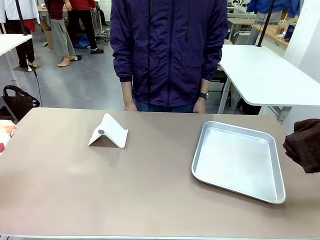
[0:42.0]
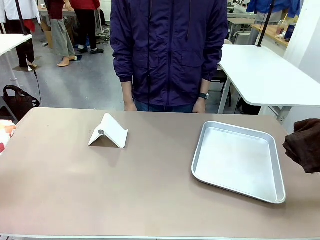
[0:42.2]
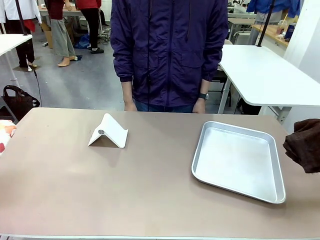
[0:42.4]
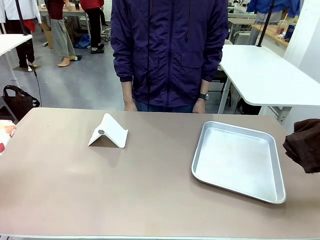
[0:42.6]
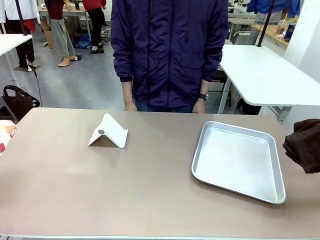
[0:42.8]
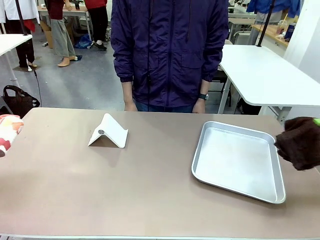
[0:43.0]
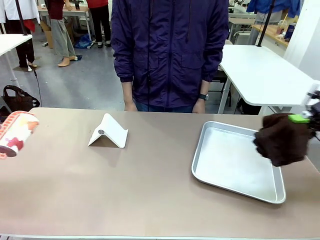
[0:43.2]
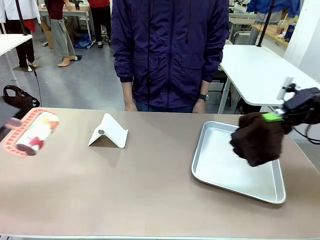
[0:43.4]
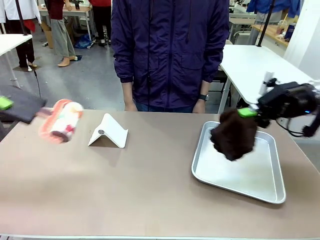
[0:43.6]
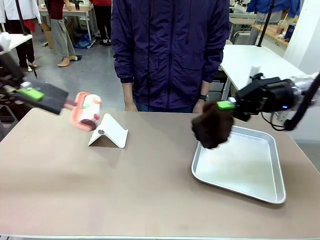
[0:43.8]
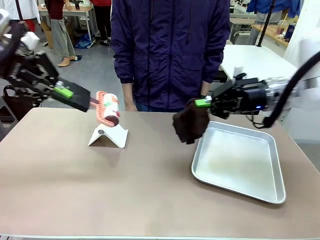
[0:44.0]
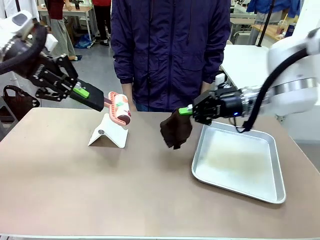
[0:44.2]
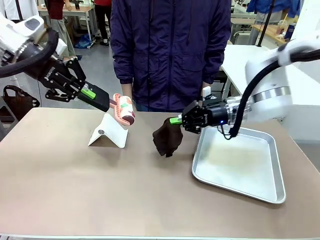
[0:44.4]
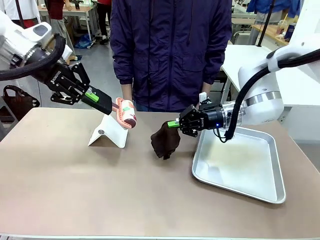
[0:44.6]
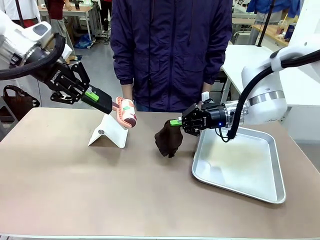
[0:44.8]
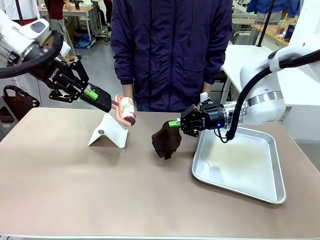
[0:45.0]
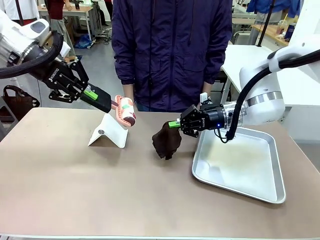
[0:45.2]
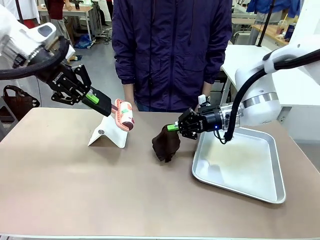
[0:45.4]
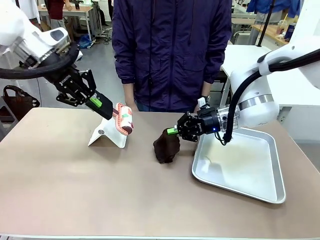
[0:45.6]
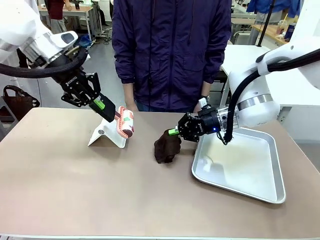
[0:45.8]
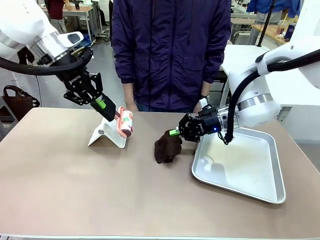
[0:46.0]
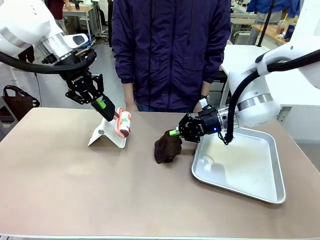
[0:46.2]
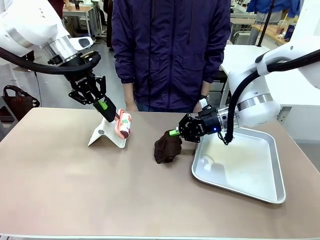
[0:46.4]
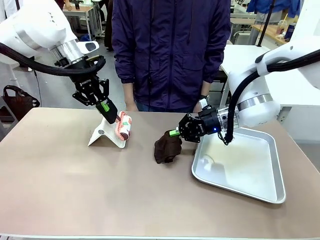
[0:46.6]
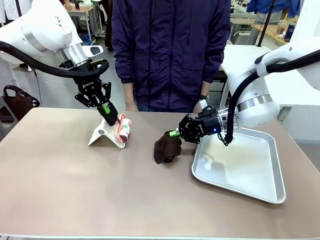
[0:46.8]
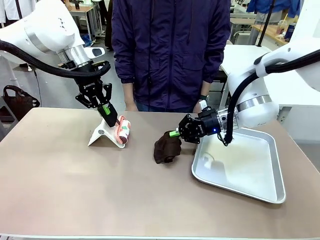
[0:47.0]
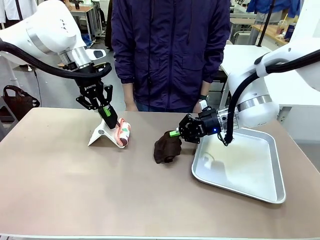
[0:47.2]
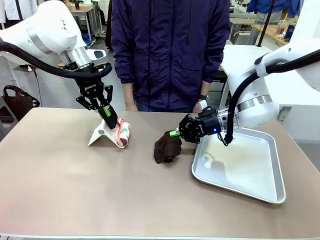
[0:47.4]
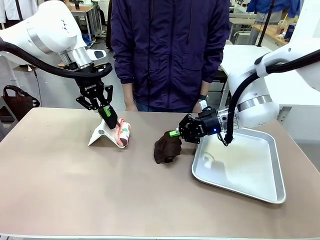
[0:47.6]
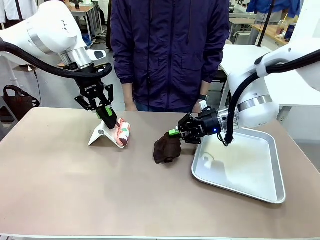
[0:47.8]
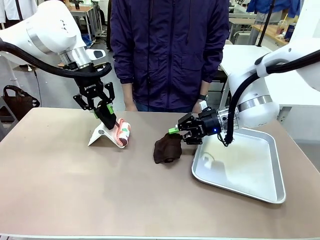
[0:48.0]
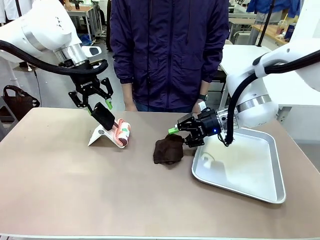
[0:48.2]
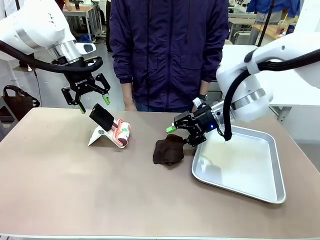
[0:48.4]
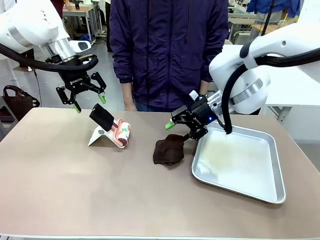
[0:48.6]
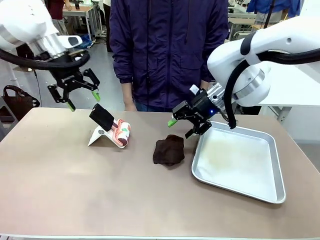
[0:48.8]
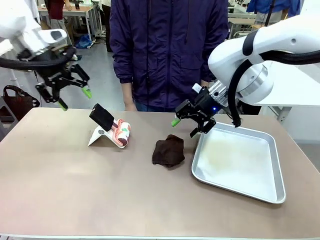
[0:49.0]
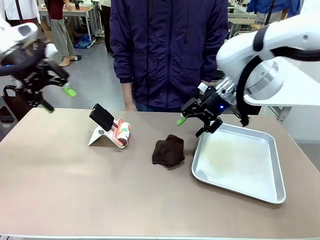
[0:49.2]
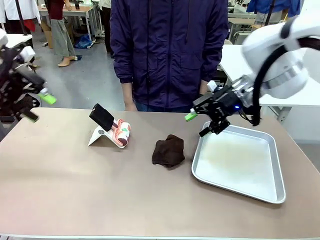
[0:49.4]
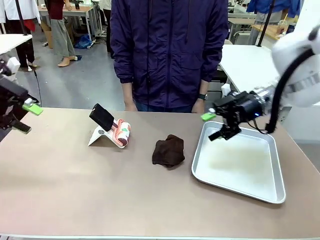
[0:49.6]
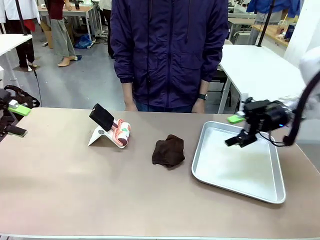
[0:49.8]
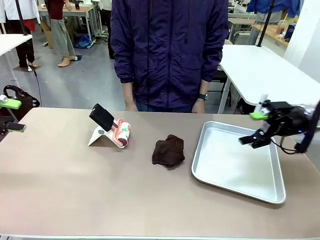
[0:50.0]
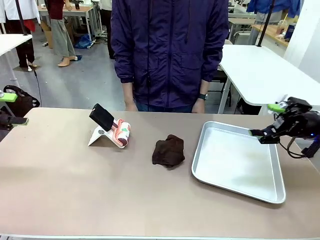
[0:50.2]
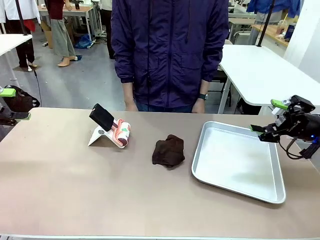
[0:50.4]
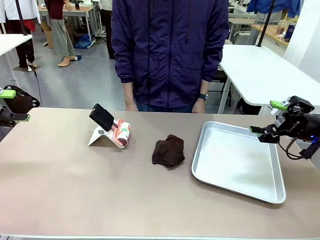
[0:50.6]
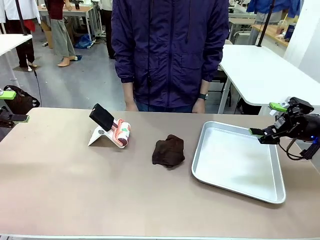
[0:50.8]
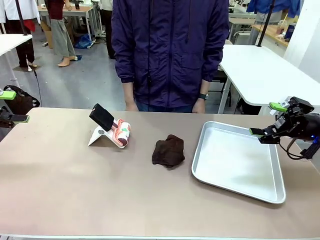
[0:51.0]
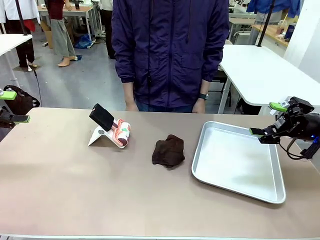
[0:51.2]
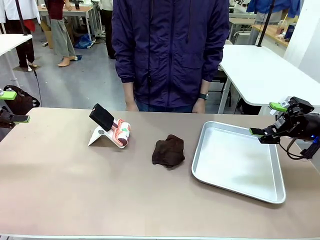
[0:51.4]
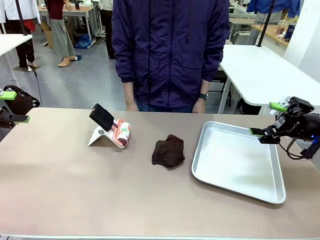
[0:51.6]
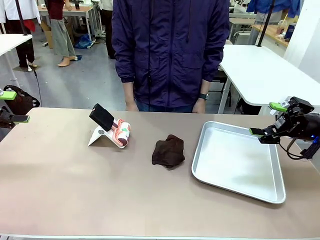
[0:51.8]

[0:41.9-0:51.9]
Task: Clean the surface of the table.
Robot: Return the Lint Roller and towel to their original positions.

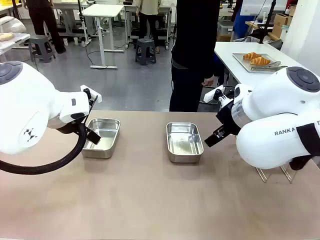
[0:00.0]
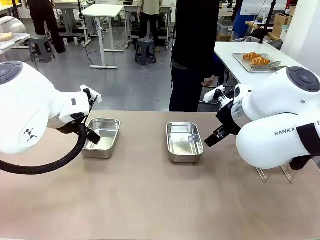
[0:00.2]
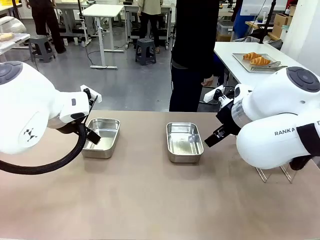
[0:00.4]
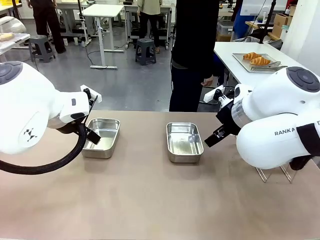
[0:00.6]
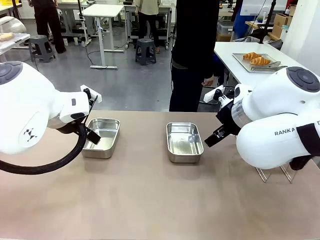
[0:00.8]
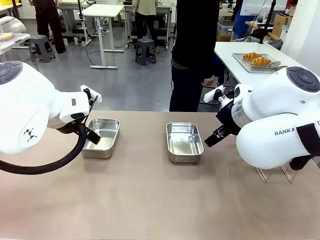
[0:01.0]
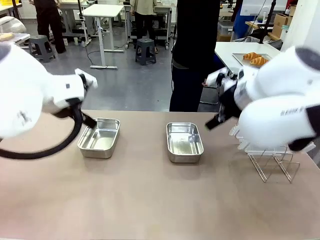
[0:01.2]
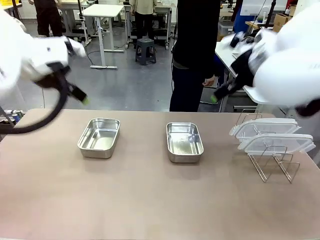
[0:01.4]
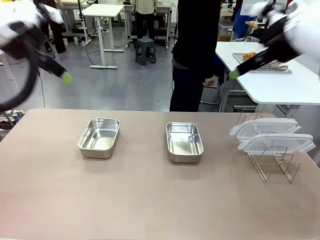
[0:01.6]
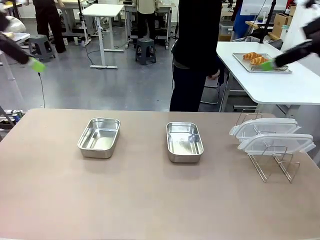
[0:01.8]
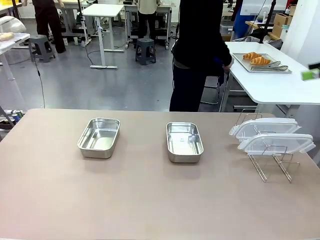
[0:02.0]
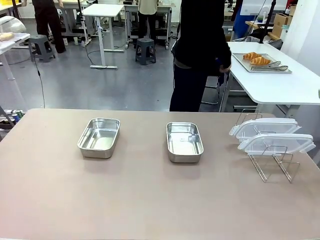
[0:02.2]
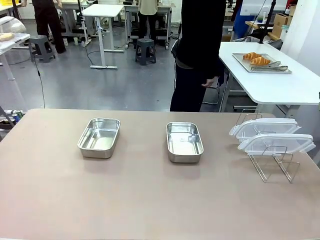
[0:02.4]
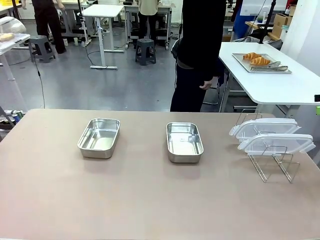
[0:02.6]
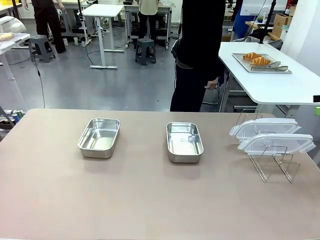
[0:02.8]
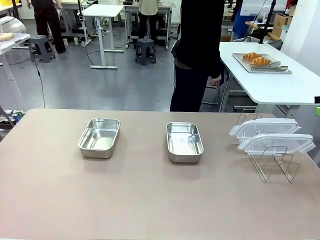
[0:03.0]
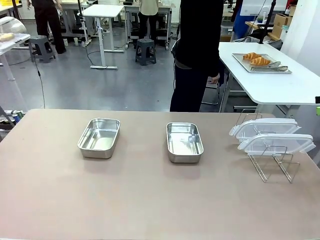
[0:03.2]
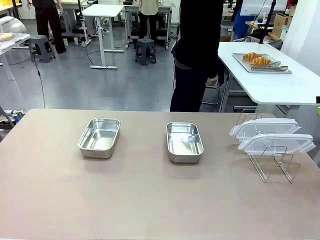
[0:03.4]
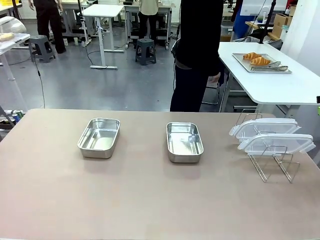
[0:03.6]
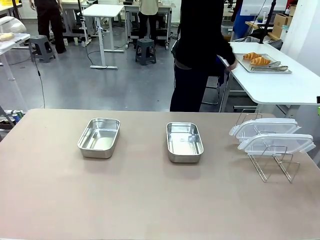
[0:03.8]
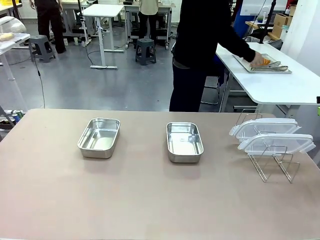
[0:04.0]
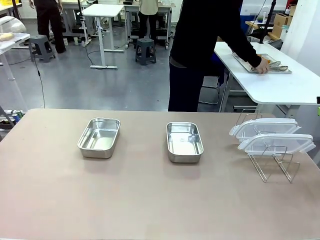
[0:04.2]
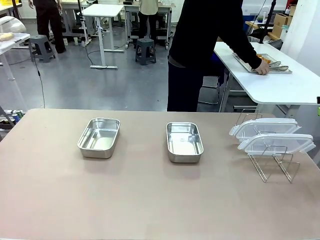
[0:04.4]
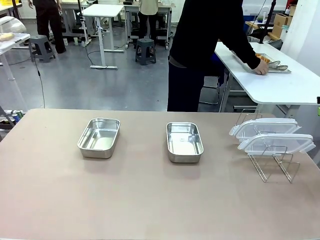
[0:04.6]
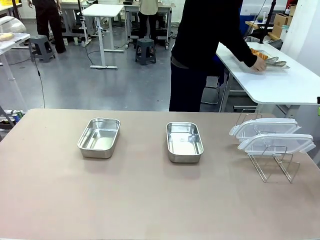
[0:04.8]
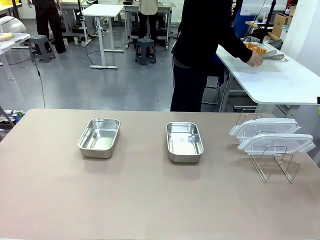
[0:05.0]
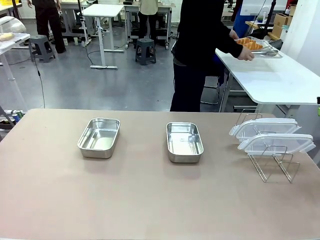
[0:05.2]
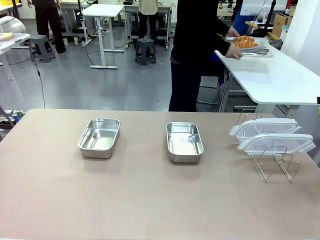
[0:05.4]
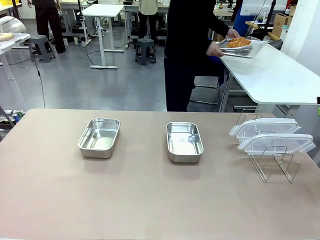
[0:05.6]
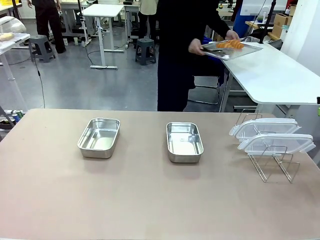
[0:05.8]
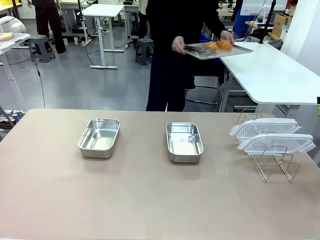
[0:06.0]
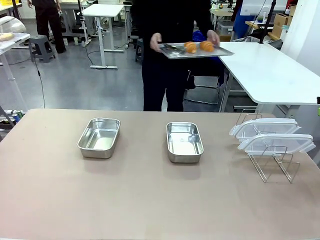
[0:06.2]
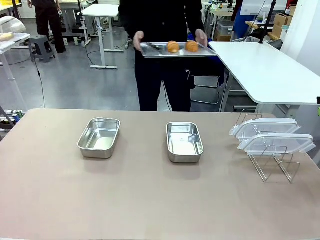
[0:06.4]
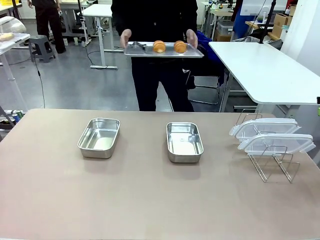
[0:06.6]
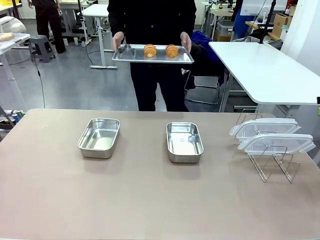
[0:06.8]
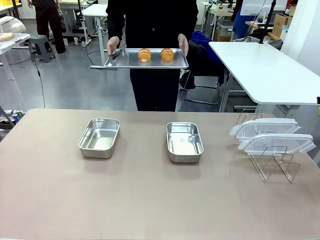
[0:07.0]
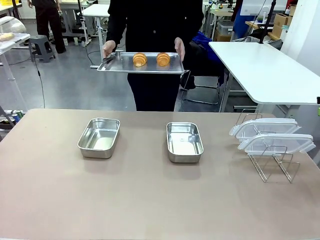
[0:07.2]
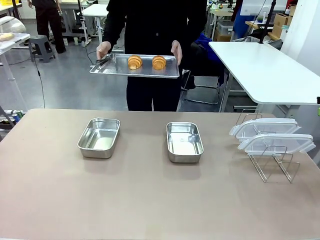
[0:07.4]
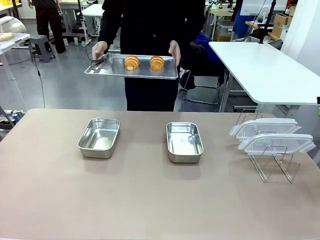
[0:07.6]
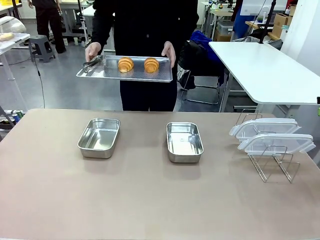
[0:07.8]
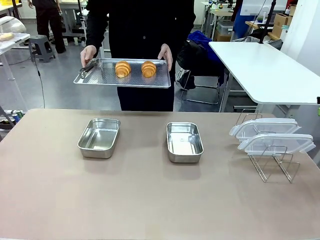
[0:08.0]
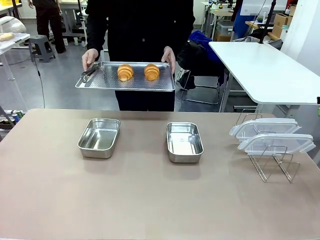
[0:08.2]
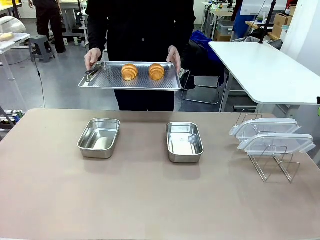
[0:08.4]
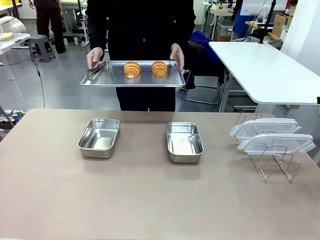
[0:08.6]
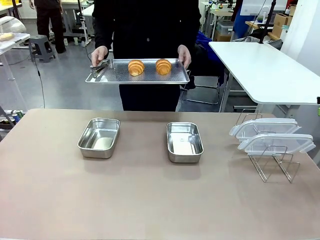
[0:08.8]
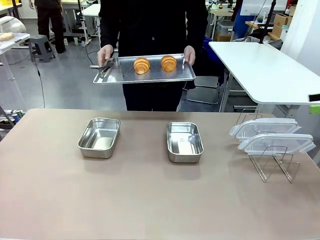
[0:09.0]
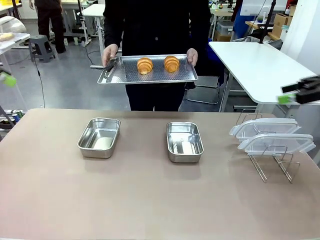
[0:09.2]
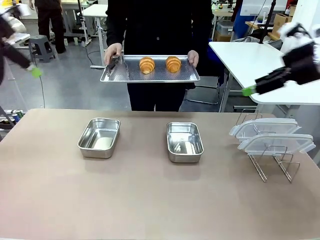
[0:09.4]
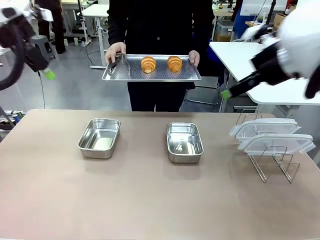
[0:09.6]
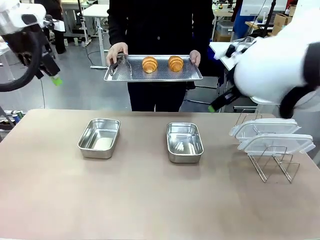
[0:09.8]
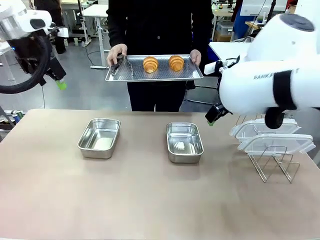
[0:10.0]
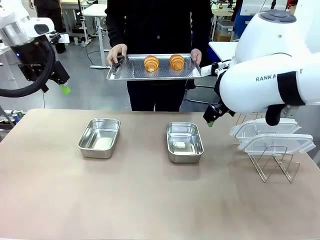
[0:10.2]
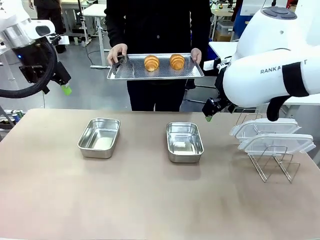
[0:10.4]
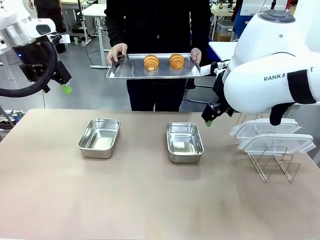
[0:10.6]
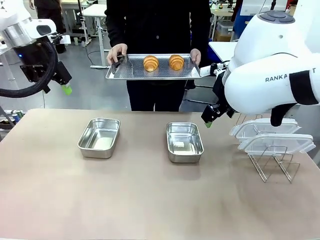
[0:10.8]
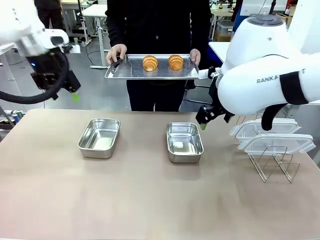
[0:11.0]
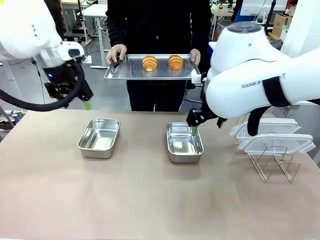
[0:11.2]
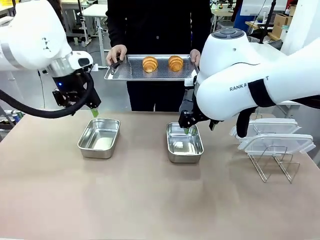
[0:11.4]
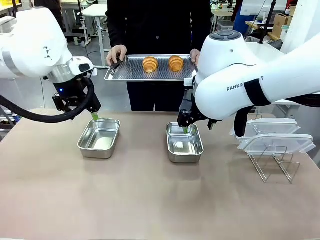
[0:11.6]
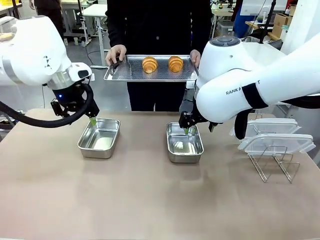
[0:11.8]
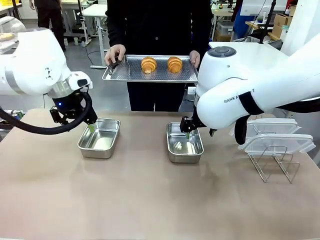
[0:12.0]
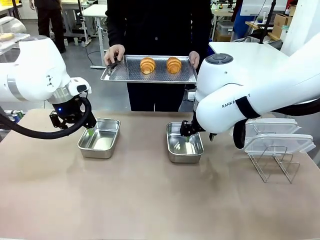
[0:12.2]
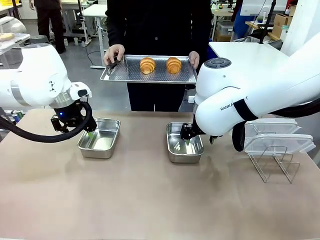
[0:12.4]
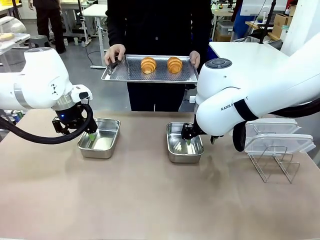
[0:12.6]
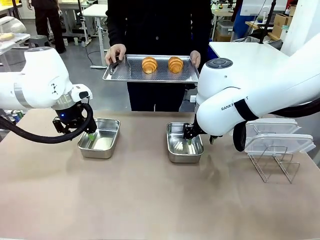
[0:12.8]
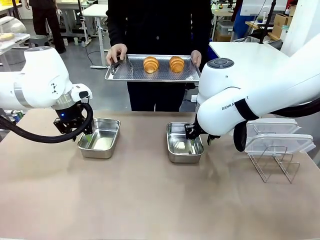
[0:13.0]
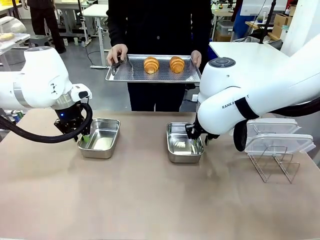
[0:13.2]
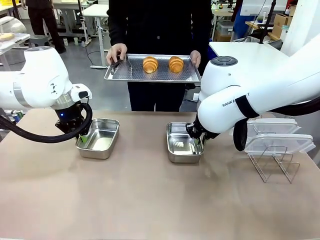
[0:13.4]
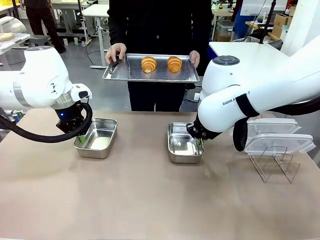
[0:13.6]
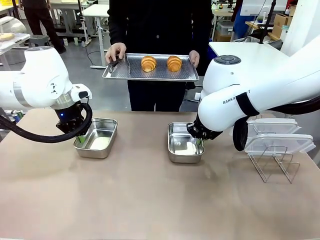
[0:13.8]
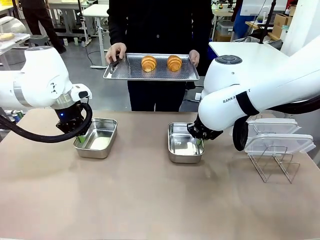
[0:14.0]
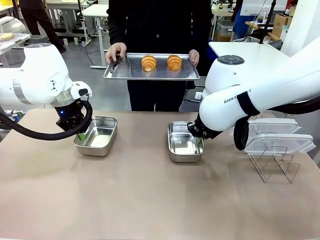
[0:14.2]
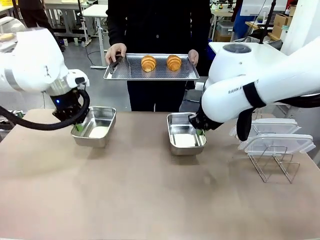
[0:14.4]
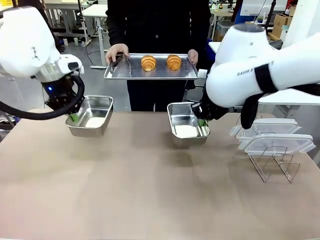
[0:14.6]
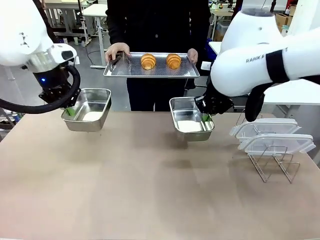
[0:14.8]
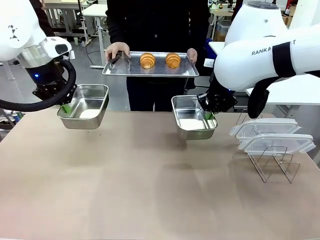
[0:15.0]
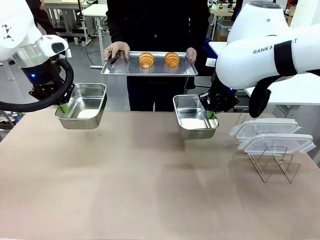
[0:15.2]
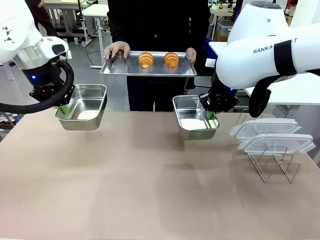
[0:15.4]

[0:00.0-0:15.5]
Task: Place the bread in airtight containers.
Robot: Lift both Airtight Container.
Person: Bring the Baking Sheet in front of Robot's Table.
